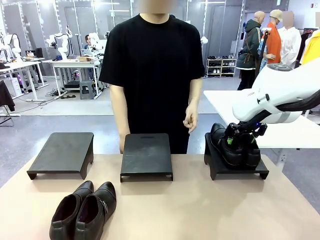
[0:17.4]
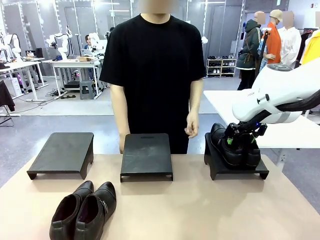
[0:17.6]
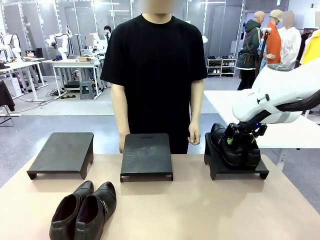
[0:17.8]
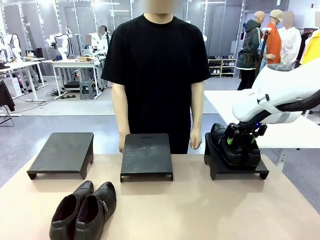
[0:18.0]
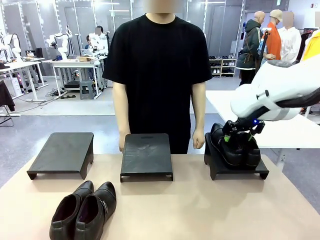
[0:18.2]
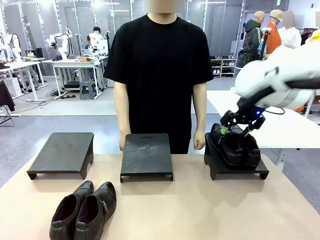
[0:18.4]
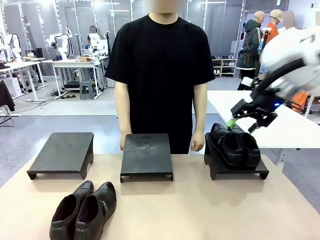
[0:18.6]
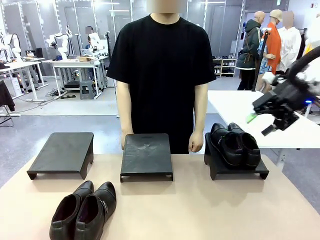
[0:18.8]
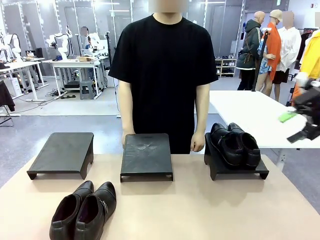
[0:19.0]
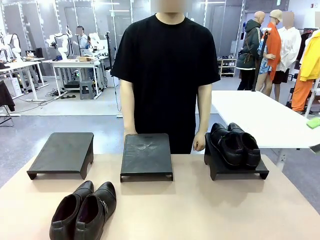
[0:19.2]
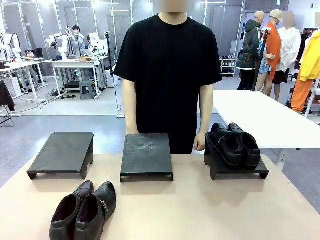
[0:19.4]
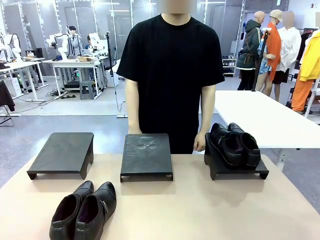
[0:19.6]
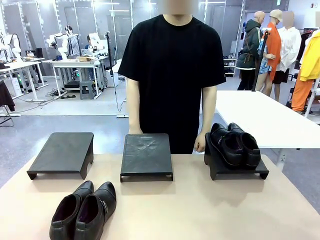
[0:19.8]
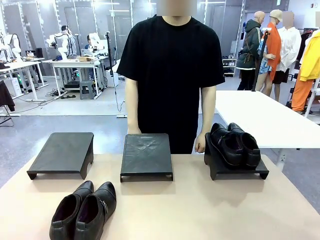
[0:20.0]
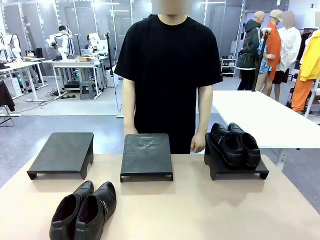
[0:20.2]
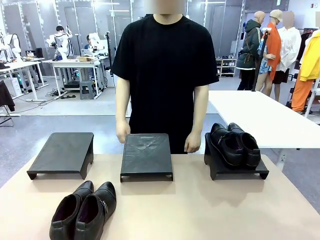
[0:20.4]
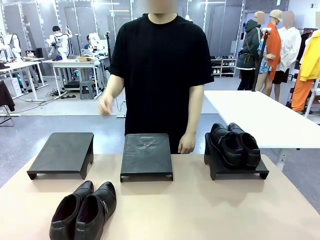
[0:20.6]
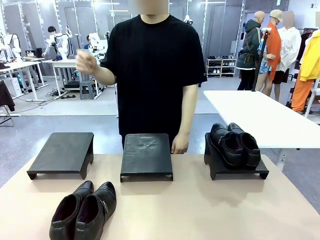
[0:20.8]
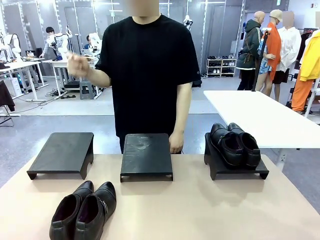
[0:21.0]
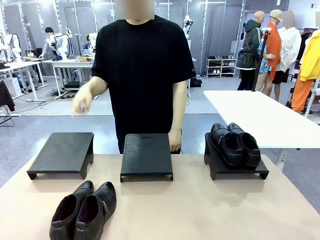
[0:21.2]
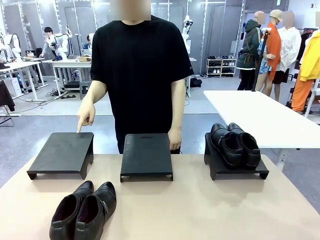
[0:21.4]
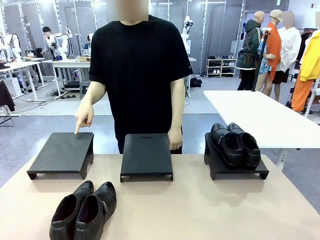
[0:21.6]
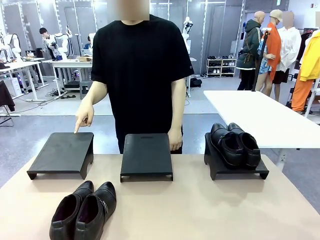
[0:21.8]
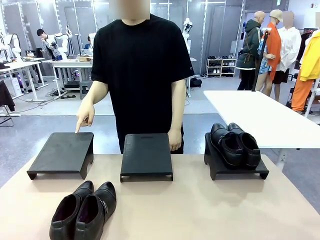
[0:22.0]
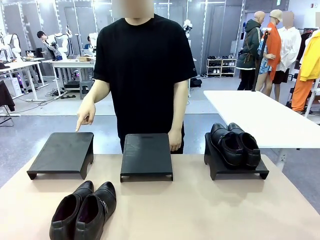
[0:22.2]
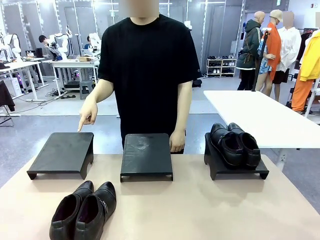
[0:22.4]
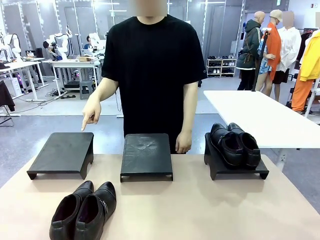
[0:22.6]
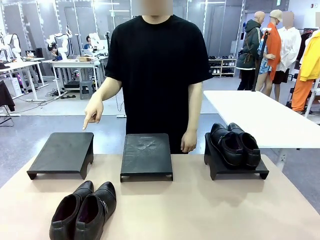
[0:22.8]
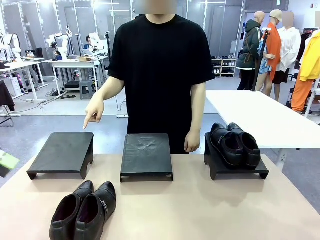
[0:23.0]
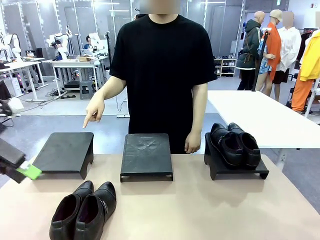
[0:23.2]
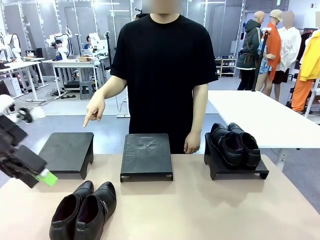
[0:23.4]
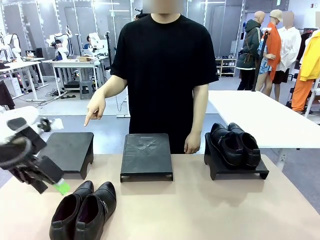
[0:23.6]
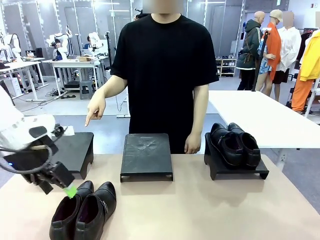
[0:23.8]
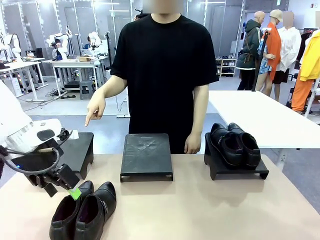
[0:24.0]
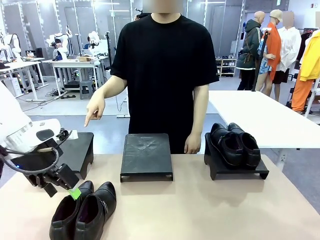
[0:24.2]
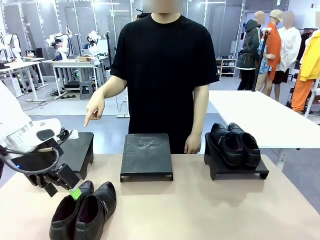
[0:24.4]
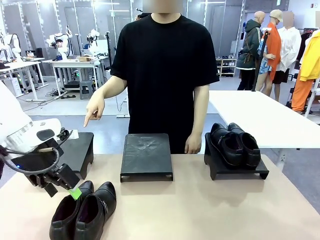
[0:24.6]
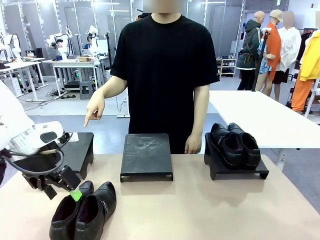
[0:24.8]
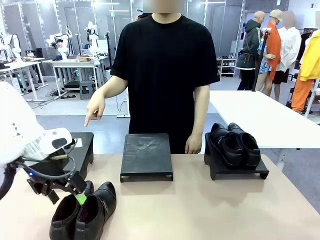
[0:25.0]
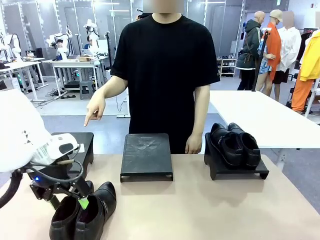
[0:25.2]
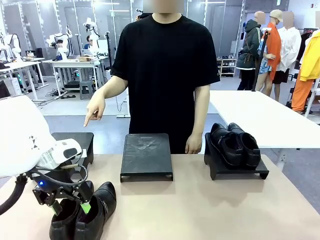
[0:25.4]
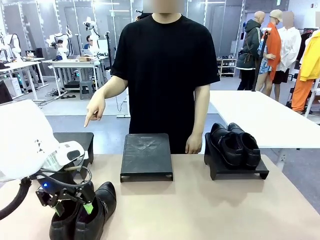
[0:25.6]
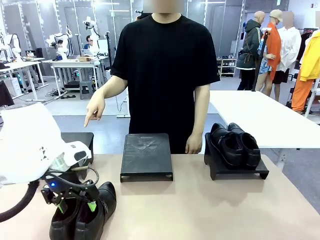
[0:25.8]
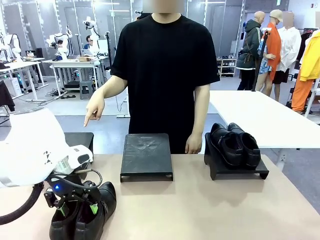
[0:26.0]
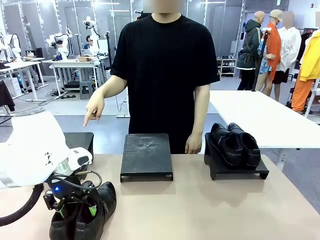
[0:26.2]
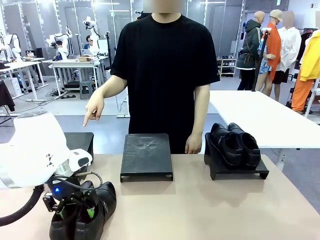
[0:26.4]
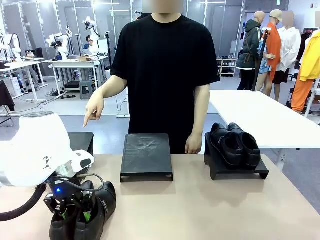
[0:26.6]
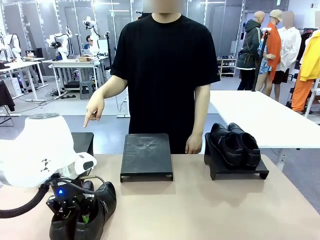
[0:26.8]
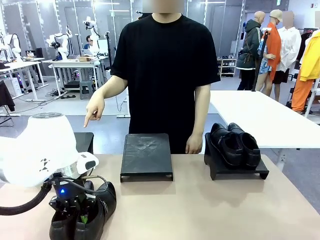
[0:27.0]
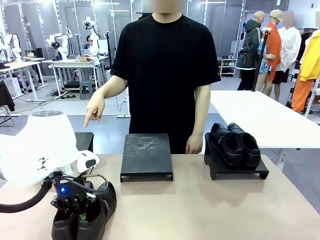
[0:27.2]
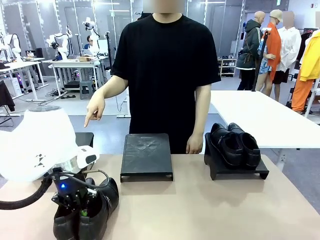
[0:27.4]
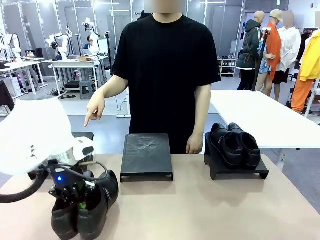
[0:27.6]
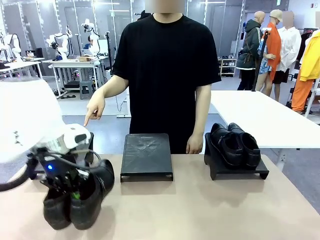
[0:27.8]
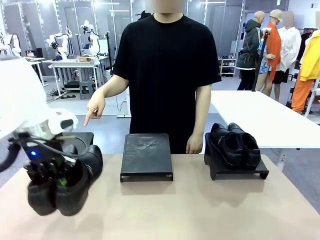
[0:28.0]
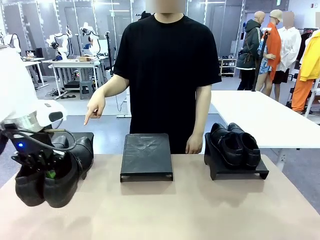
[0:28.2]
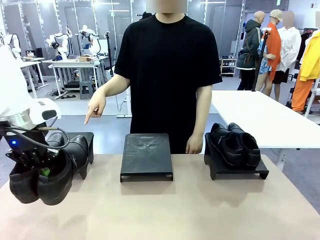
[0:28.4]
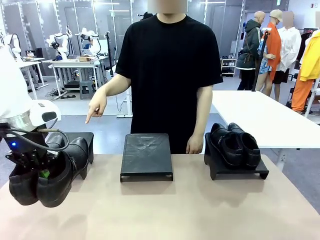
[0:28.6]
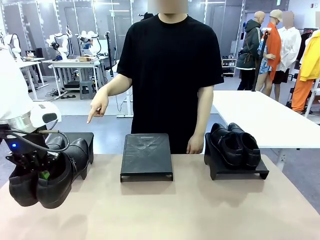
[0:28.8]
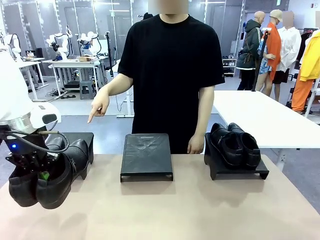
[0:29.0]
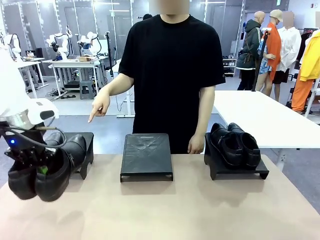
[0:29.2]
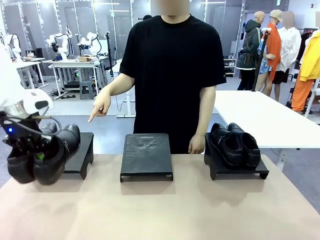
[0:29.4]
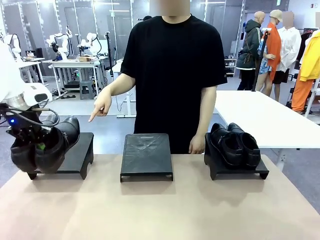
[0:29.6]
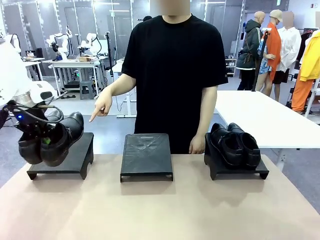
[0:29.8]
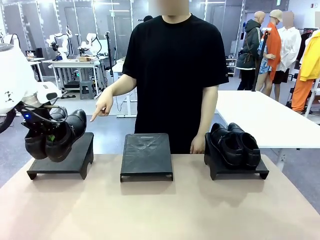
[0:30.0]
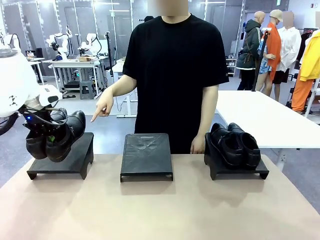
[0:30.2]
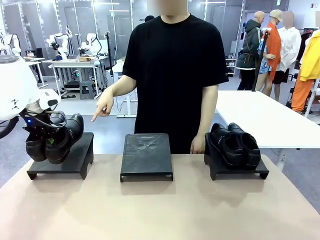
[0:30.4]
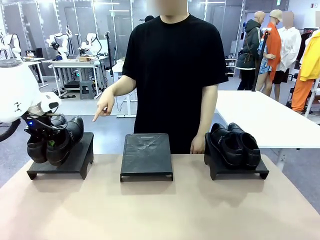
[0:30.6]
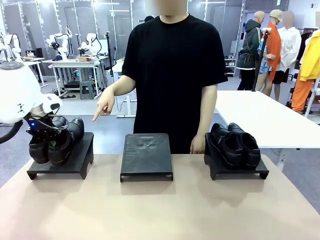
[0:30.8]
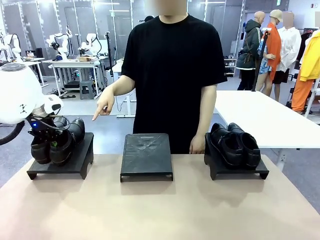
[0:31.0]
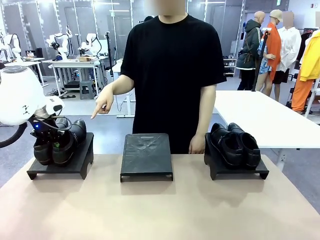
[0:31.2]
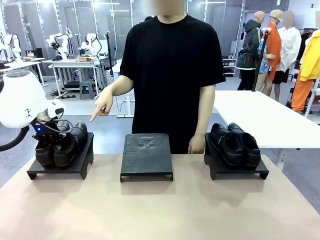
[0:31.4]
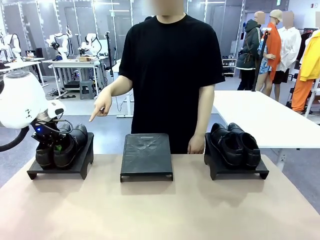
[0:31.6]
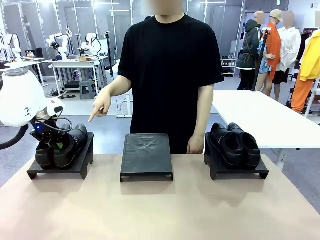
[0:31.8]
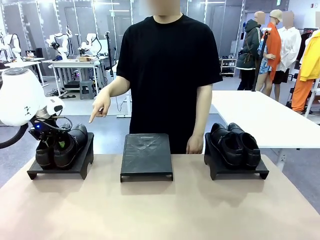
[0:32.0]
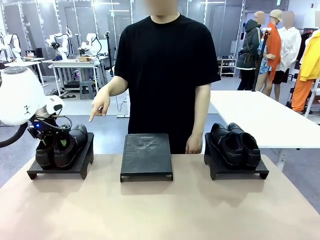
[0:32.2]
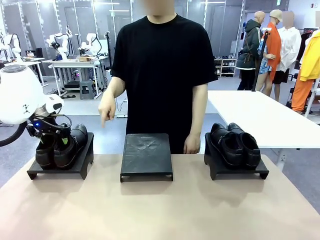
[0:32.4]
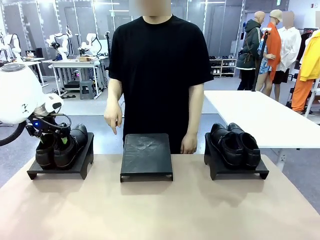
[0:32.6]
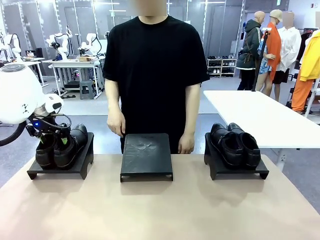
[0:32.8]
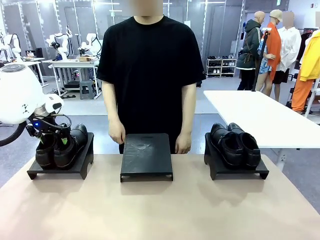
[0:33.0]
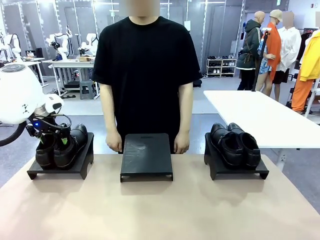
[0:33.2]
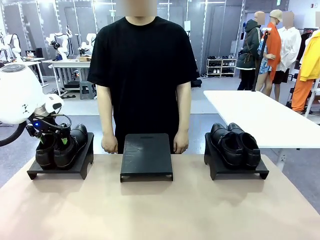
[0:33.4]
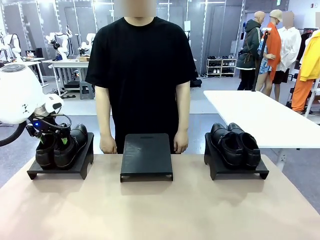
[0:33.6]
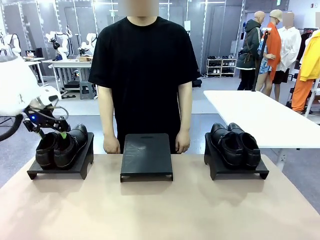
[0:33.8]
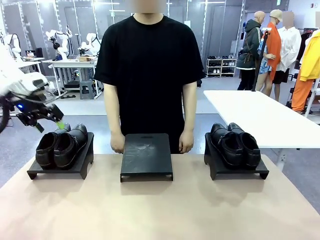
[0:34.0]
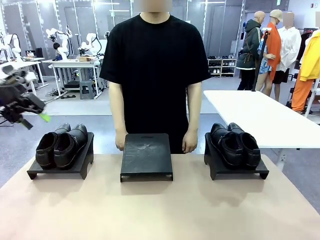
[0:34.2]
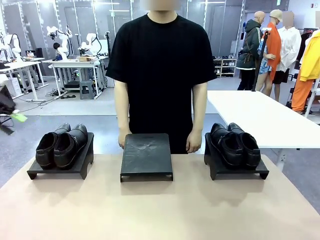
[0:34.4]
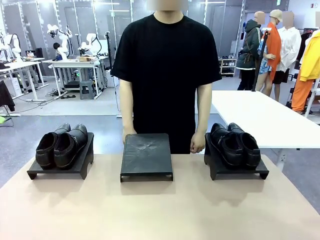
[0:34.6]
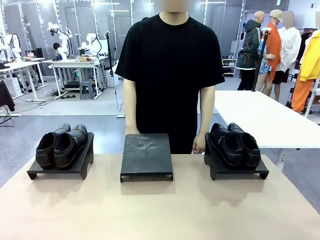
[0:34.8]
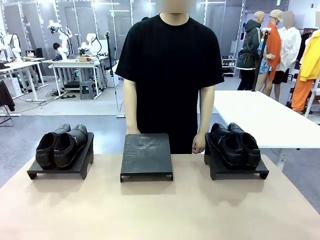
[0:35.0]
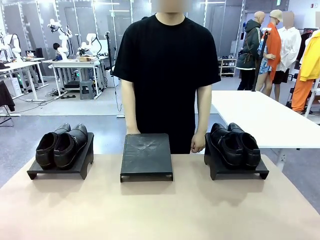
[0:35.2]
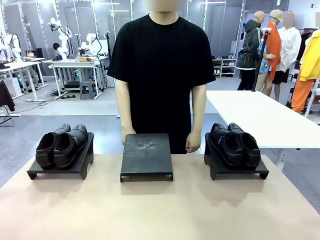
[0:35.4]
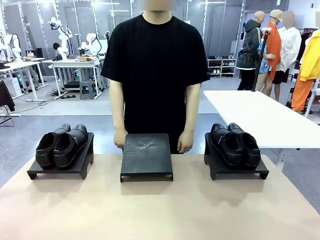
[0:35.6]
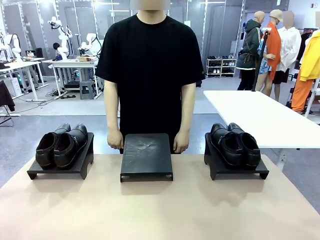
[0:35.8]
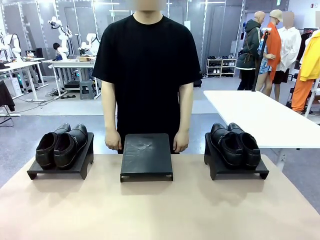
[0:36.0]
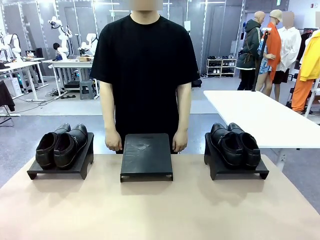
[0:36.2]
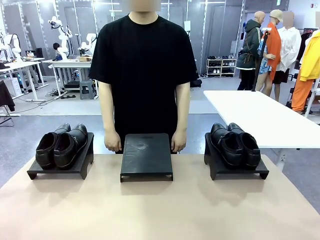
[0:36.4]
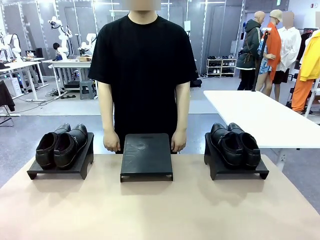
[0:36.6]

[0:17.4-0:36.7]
Task: Place the shoes on the stand as instructed by the person.
Robot: Pick up another pair of Shoes and place it on the Shoes Stand indicated by the person.
Person: Point to one Shoes Stand.
